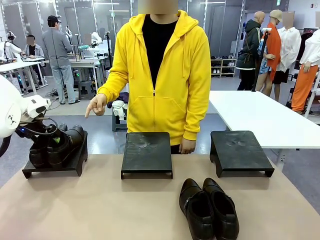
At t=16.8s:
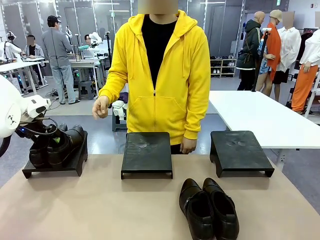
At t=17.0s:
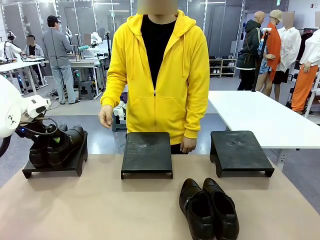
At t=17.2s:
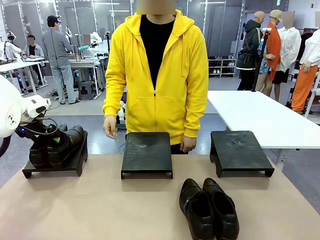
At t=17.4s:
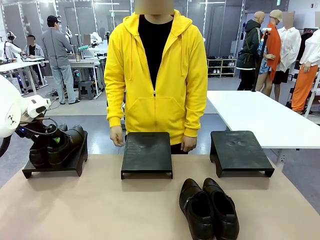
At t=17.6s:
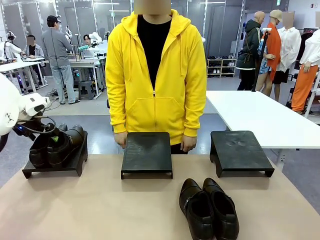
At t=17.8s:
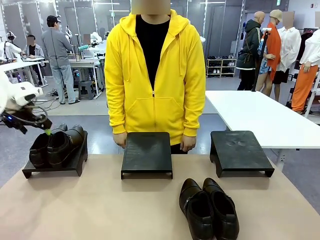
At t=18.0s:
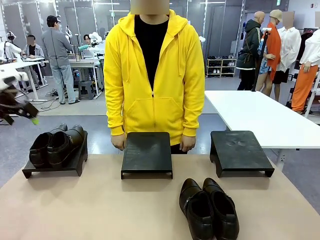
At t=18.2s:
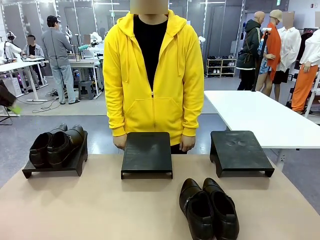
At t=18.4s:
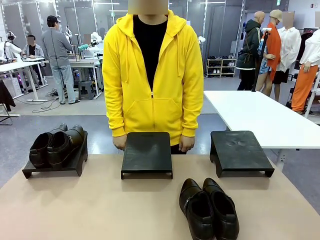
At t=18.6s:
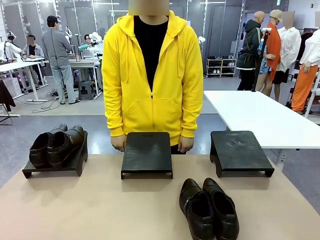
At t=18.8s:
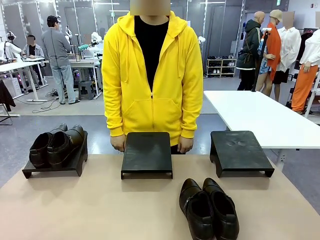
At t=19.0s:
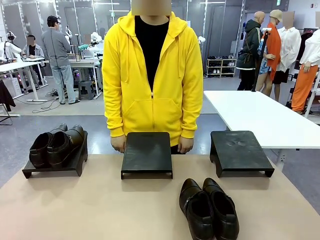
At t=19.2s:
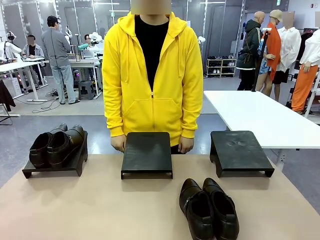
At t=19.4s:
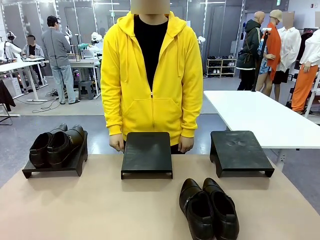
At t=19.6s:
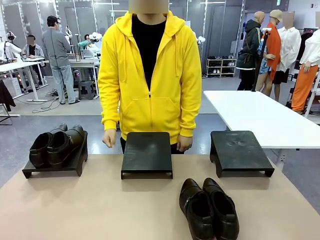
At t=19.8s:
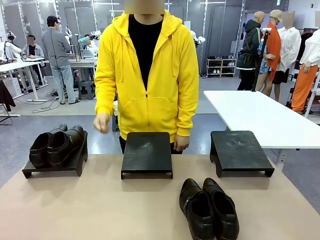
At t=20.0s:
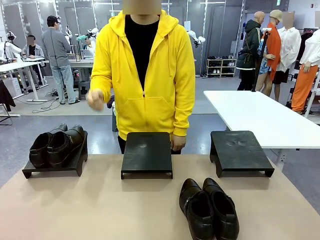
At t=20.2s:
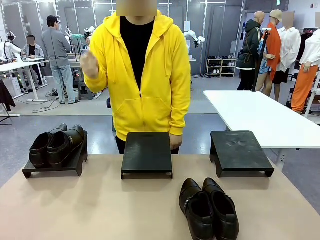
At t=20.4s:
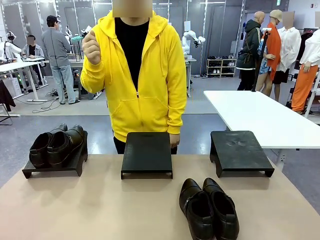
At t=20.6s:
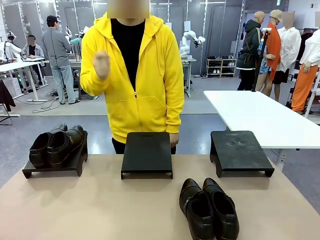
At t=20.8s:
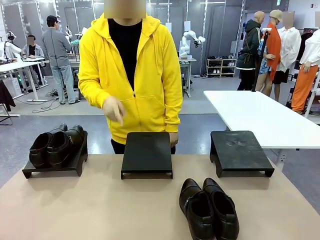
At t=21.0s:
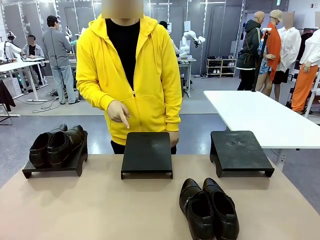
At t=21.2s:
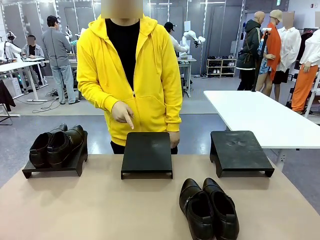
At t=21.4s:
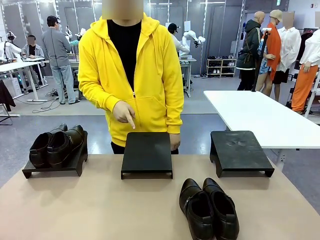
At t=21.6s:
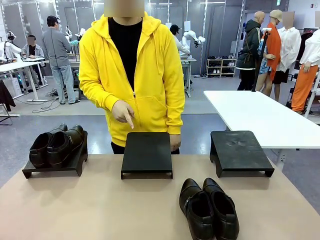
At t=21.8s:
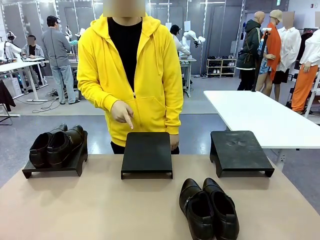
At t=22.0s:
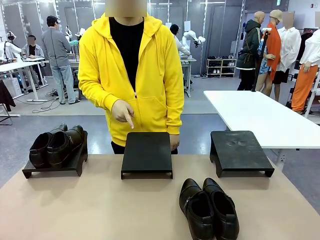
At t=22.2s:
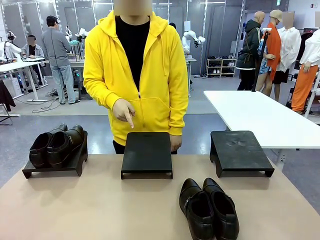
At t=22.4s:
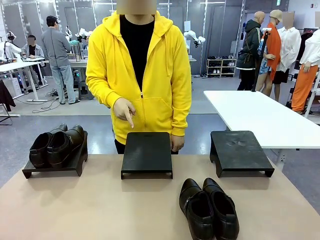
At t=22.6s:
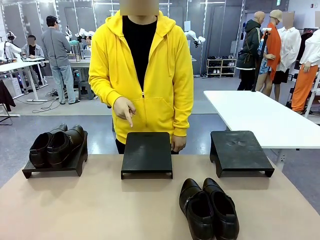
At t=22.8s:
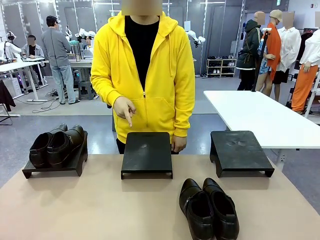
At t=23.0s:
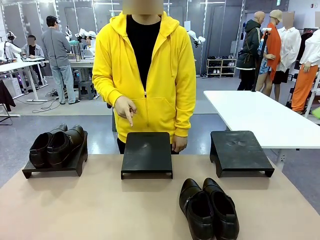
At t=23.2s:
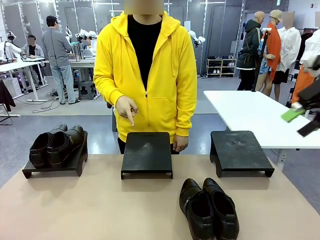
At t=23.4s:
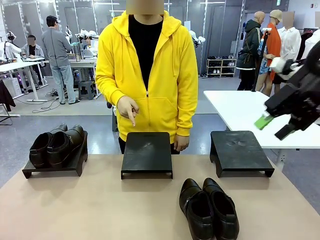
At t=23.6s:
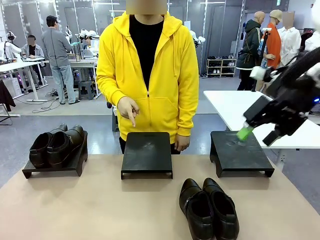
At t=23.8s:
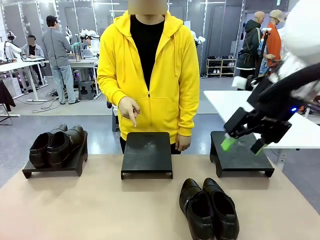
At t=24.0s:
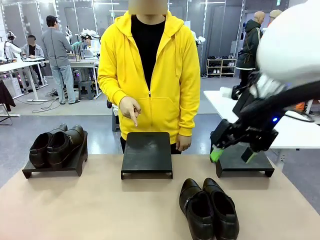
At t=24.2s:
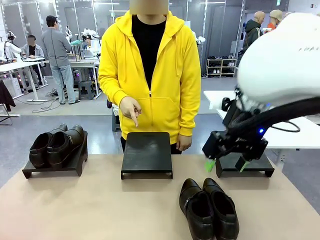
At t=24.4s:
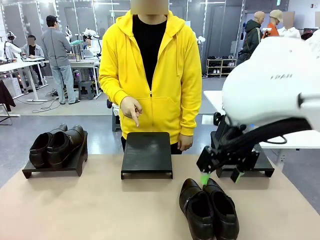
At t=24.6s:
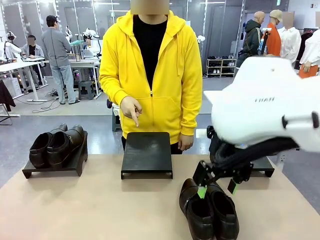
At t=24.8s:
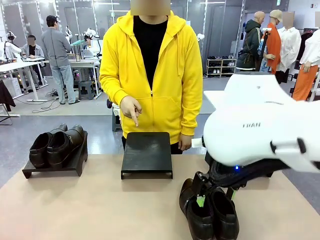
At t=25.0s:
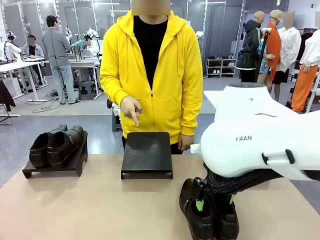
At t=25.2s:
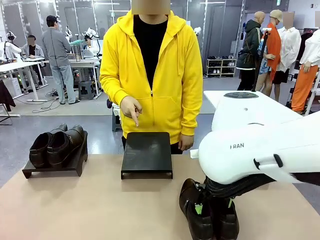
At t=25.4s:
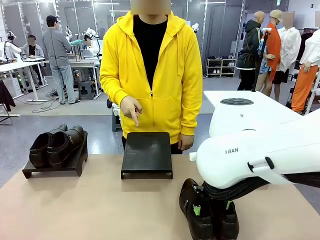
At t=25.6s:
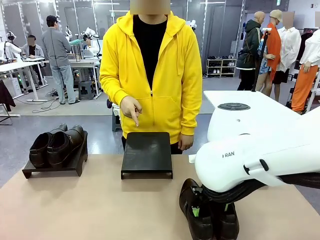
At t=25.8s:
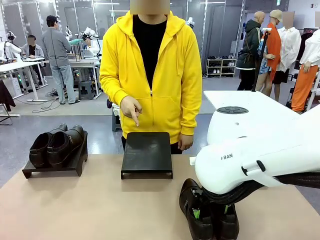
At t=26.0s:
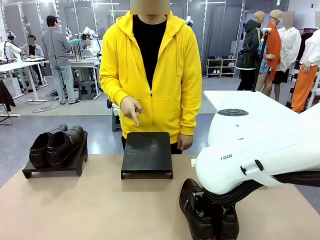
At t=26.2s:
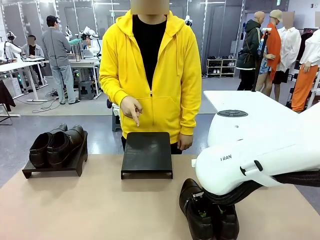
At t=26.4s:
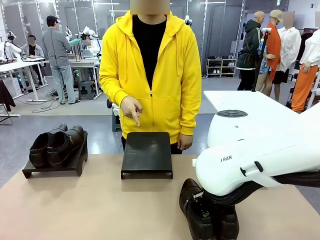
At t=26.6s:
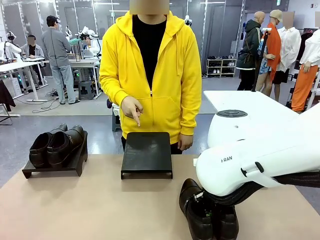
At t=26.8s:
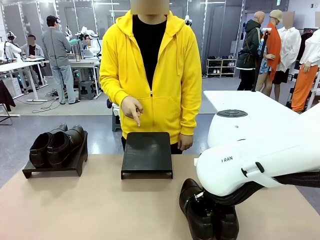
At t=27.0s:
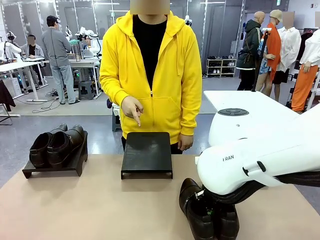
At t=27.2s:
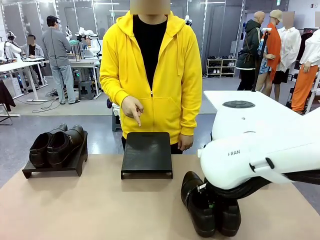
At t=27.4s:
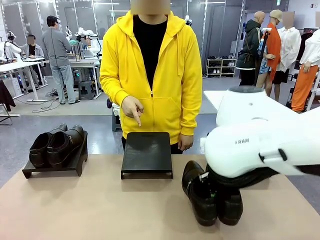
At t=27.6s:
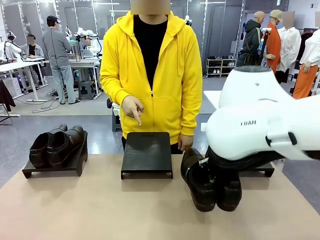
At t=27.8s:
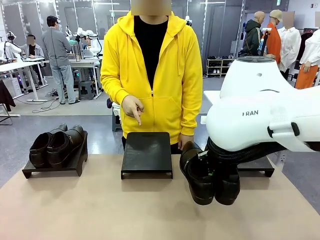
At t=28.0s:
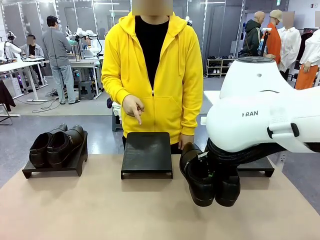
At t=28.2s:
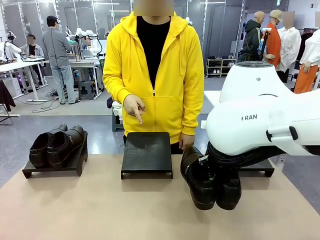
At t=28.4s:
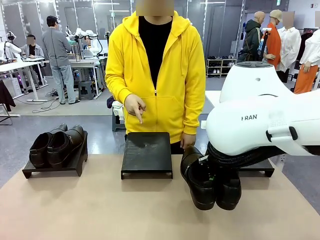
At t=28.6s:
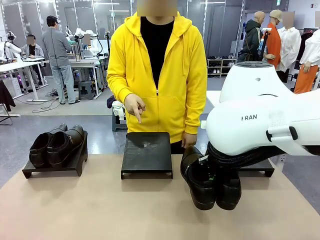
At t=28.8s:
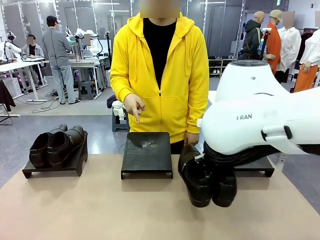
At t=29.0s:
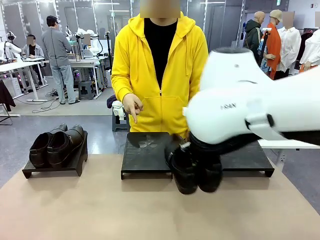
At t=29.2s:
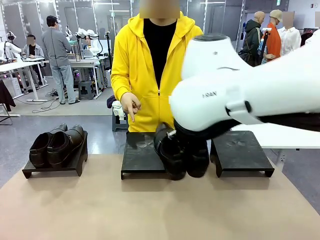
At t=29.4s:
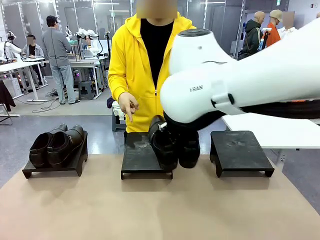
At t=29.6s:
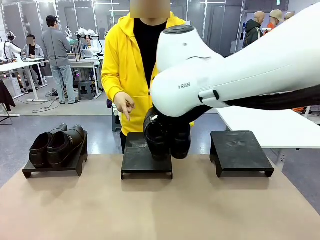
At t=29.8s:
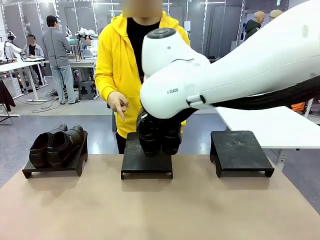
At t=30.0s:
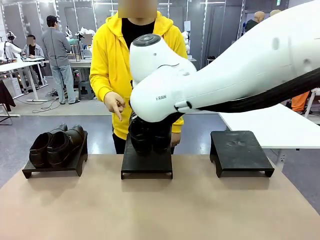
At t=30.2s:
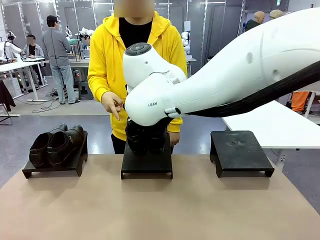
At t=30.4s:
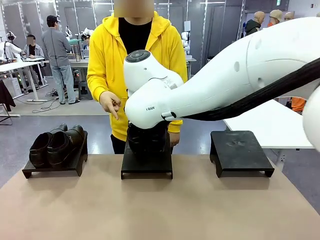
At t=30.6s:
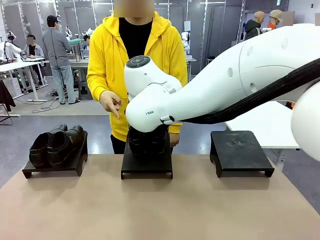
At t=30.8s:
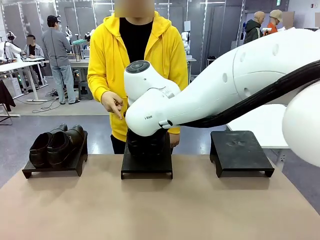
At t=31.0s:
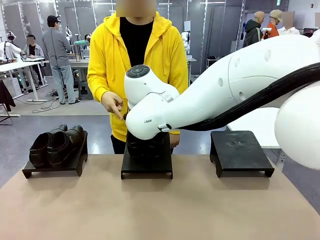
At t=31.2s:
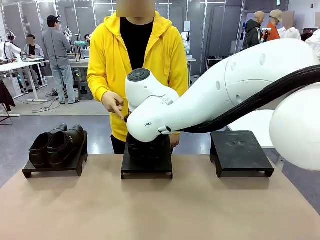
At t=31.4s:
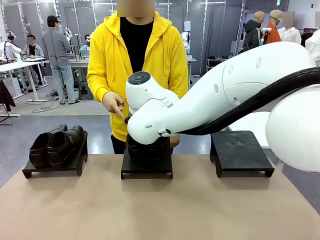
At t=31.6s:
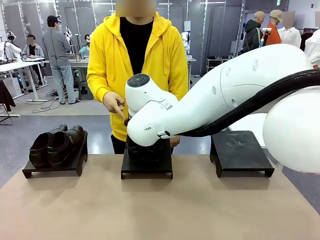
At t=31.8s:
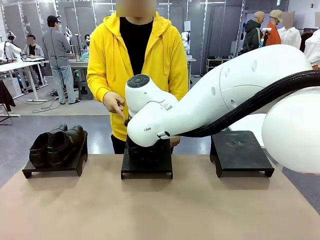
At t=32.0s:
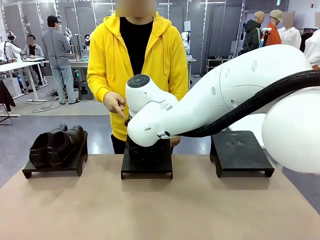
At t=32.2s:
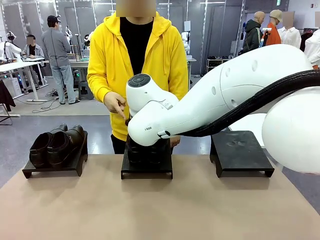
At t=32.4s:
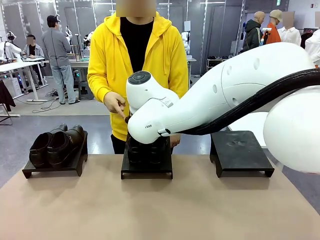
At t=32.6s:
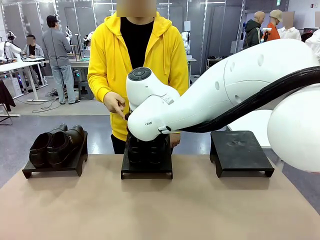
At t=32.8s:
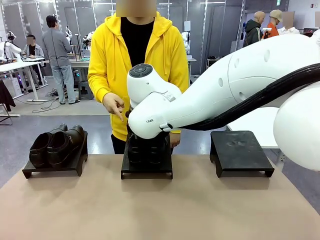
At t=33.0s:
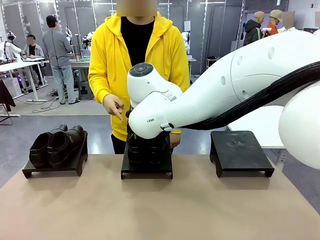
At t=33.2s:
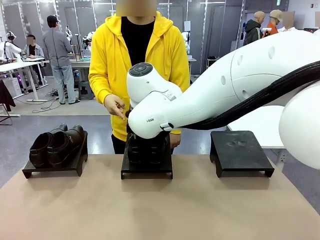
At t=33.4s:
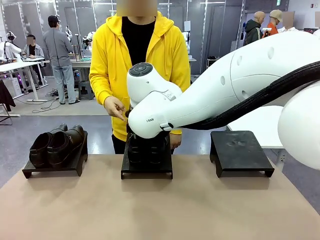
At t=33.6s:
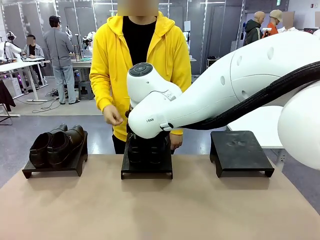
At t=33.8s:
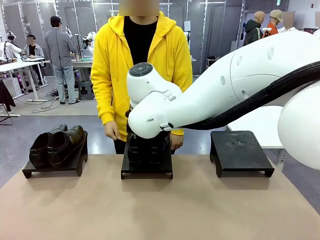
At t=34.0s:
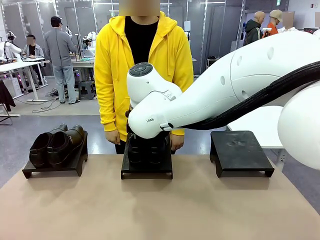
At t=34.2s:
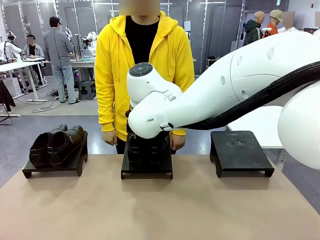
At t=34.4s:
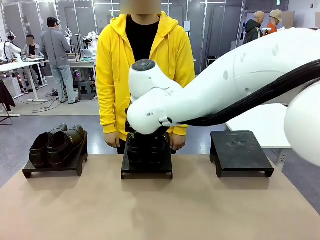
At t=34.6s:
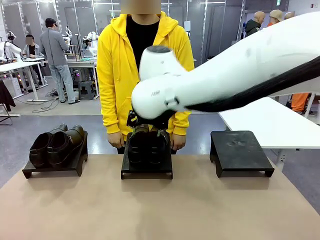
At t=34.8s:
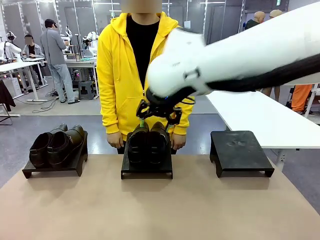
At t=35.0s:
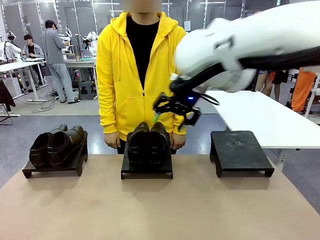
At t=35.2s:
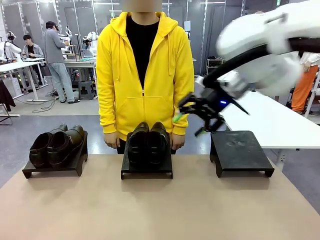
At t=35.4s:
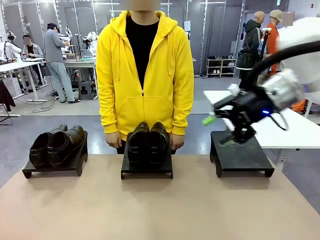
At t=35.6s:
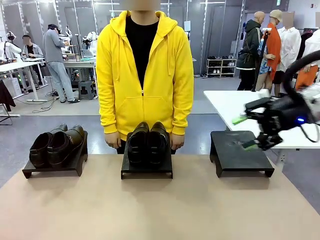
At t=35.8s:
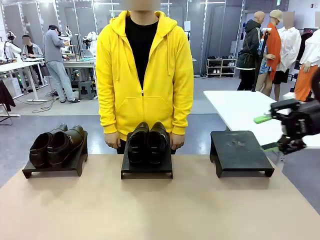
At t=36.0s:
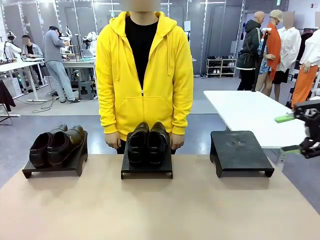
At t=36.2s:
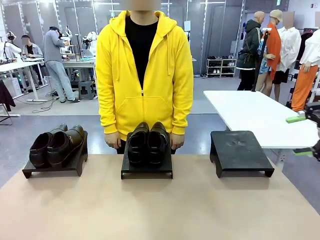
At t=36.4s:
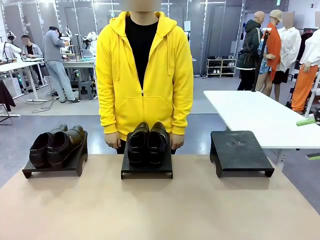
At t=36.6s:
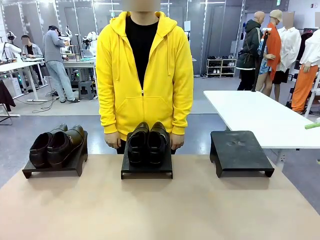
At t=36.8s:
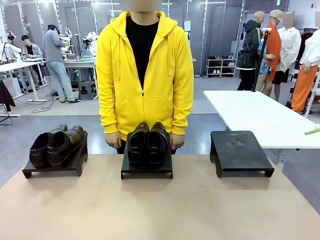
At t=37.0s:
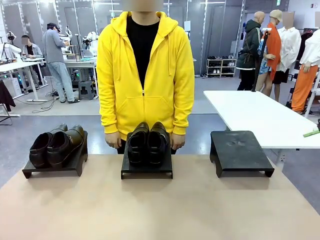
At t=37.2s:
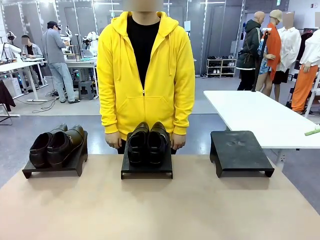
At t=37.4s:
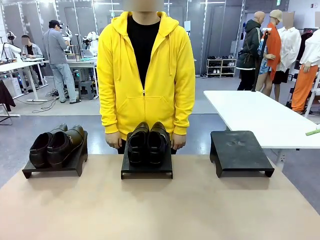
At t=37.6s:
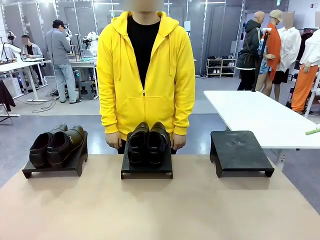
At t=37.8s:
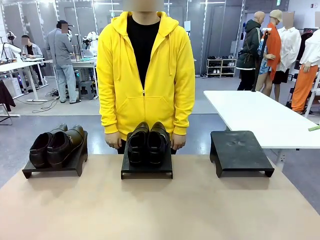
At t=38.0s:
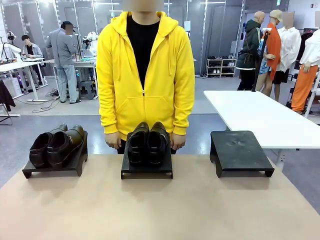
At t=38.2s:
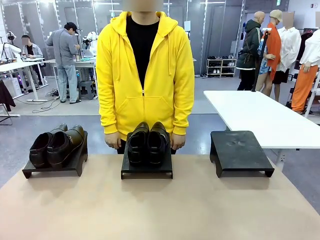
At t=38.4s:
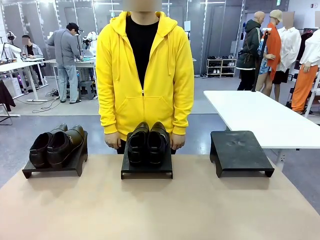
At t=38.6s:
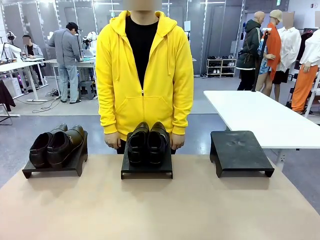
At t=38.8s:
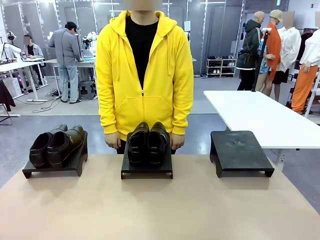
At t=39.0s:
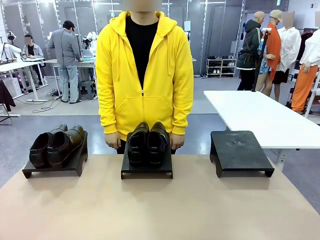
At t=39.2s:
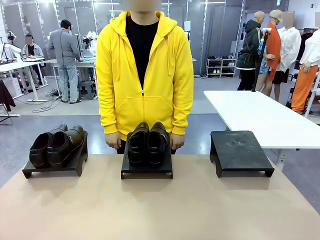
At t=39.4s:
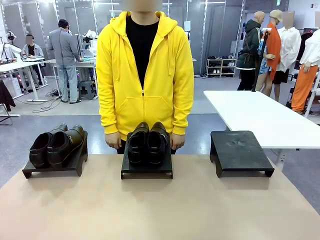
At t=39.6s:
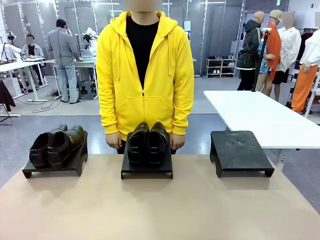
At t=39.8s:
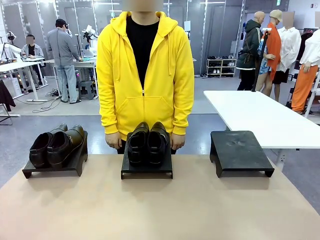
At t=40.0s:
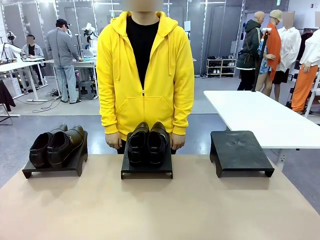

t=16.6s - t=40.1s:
Task: Place the shoes on the stand as instructed by the person.
Robot: Pick up another pair of Shoes and place it on the Shoes Stand indicated by the person.
Person: Point to one Shoes Stand.
